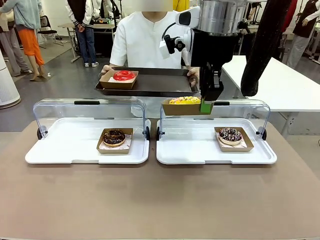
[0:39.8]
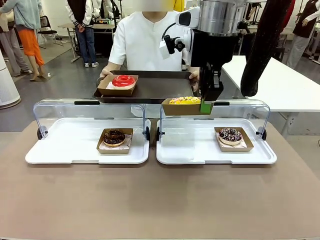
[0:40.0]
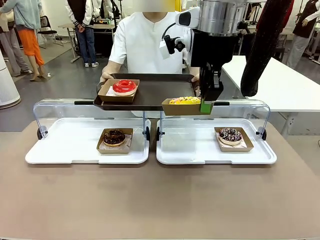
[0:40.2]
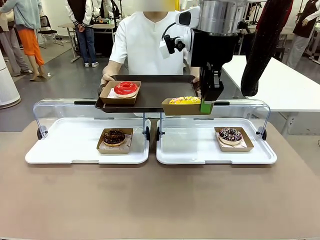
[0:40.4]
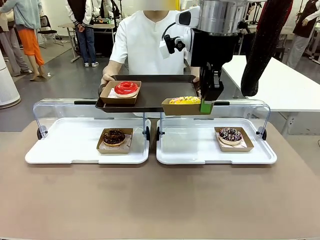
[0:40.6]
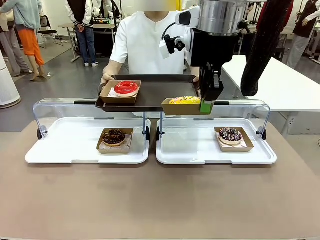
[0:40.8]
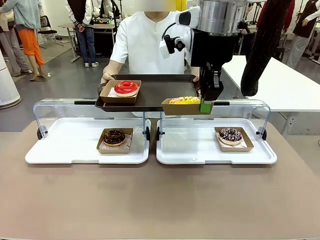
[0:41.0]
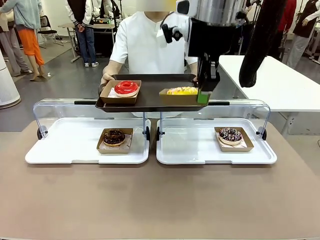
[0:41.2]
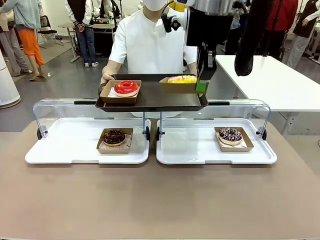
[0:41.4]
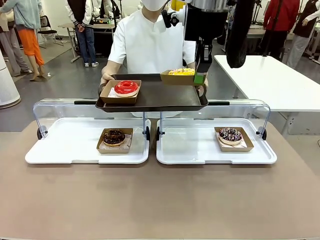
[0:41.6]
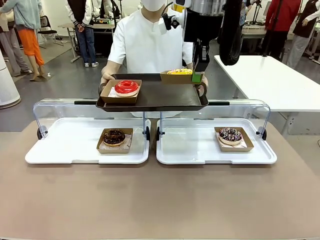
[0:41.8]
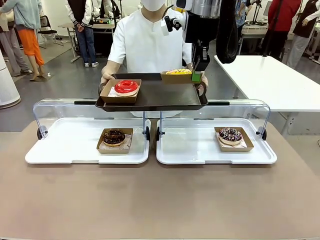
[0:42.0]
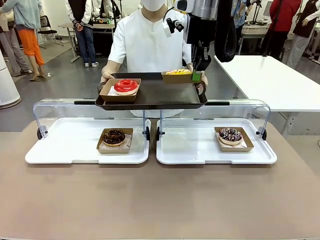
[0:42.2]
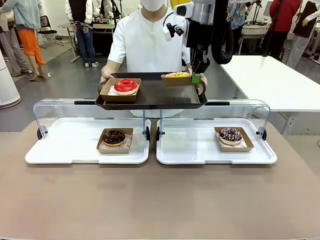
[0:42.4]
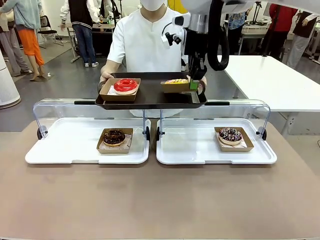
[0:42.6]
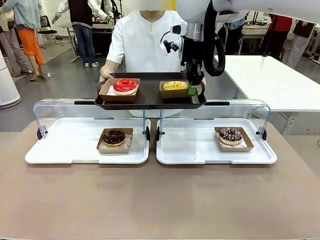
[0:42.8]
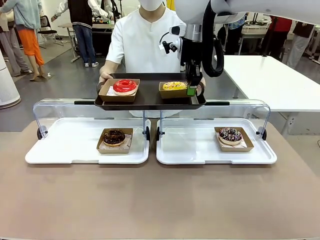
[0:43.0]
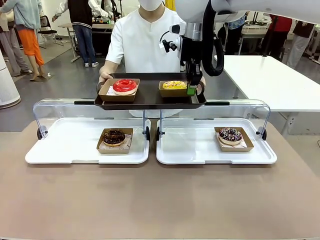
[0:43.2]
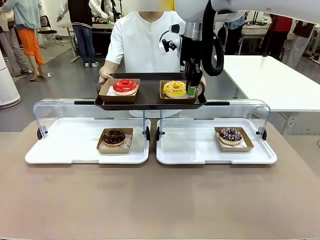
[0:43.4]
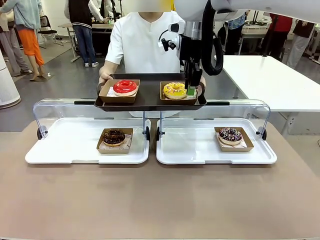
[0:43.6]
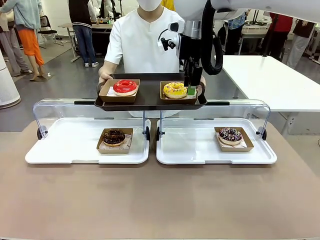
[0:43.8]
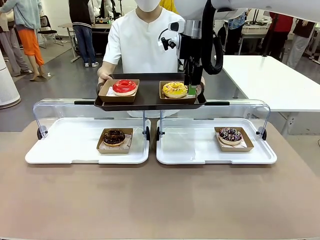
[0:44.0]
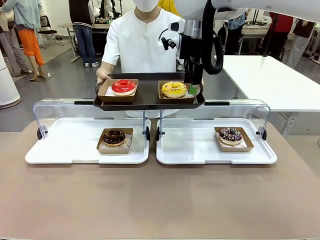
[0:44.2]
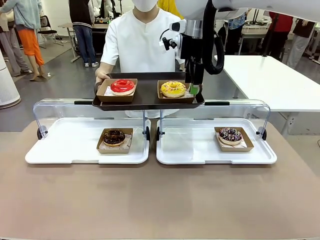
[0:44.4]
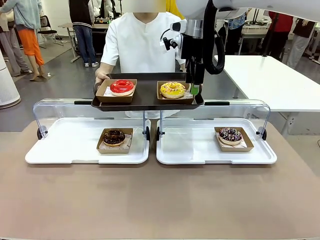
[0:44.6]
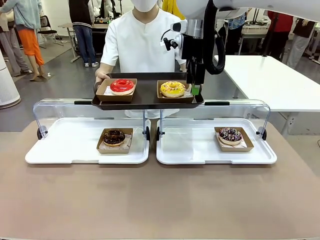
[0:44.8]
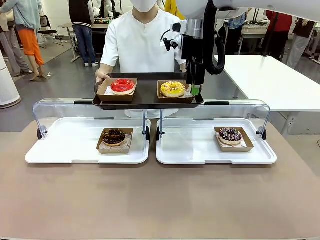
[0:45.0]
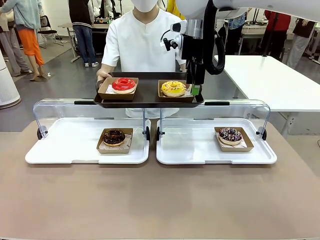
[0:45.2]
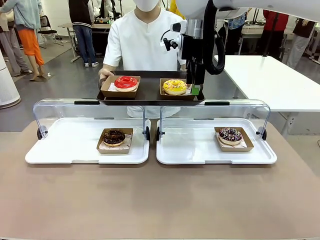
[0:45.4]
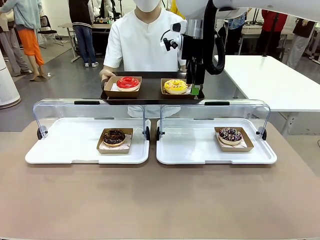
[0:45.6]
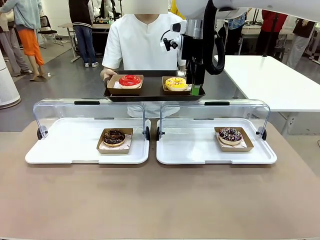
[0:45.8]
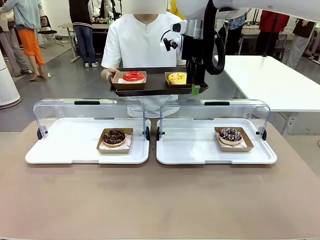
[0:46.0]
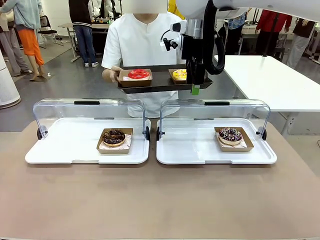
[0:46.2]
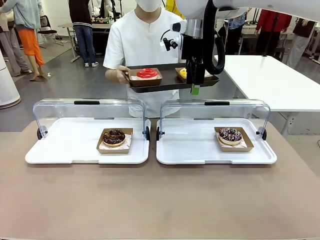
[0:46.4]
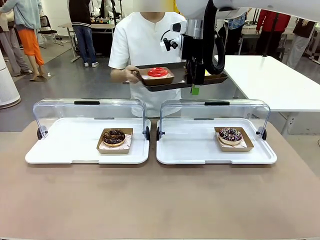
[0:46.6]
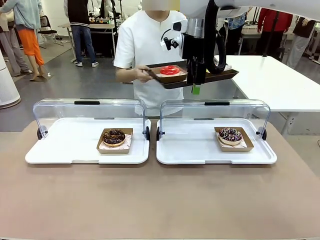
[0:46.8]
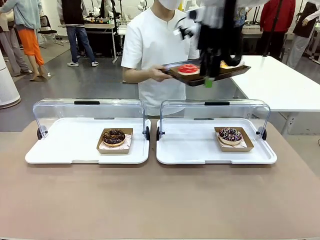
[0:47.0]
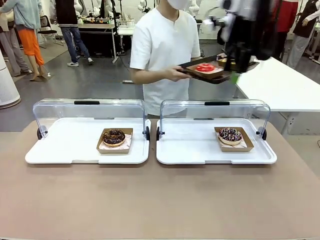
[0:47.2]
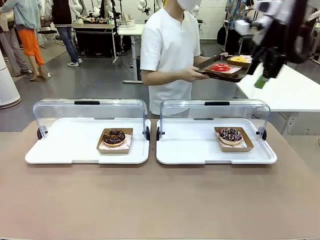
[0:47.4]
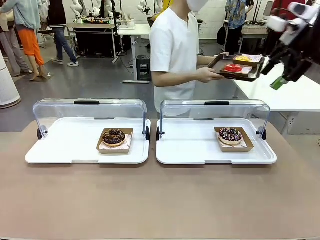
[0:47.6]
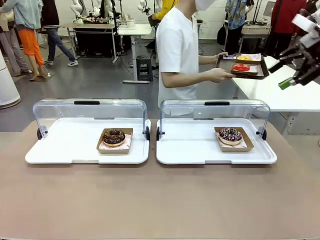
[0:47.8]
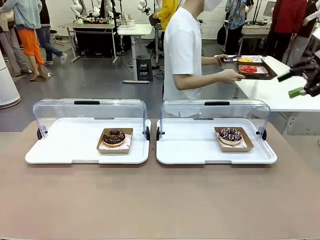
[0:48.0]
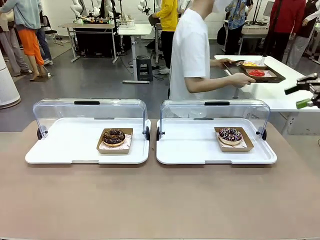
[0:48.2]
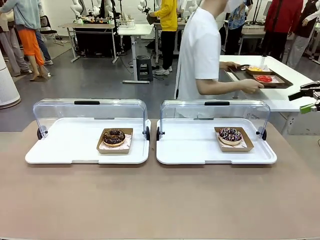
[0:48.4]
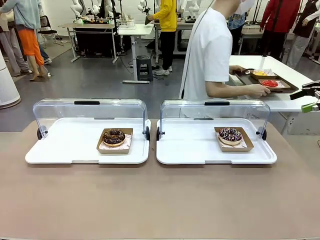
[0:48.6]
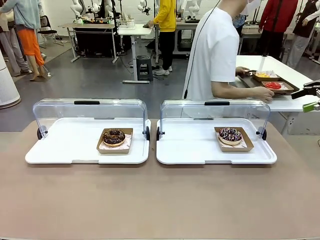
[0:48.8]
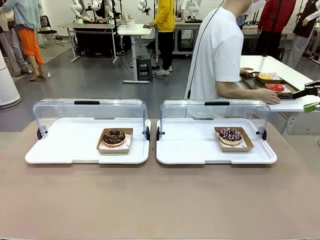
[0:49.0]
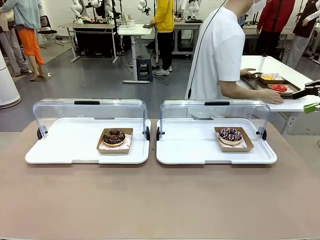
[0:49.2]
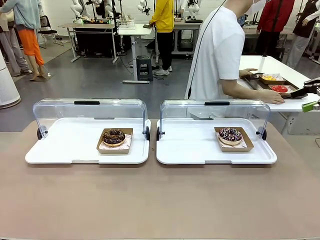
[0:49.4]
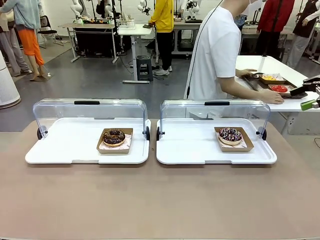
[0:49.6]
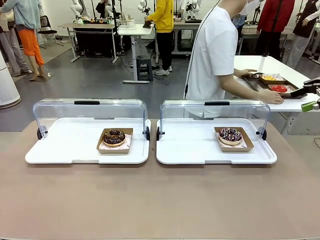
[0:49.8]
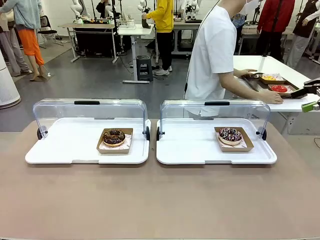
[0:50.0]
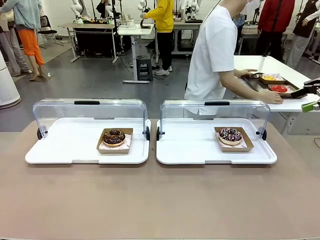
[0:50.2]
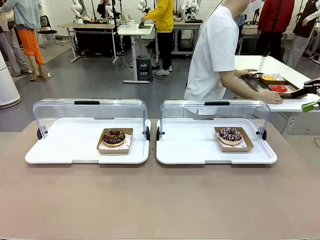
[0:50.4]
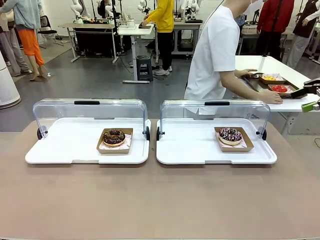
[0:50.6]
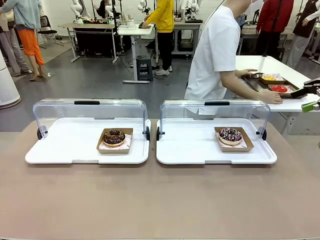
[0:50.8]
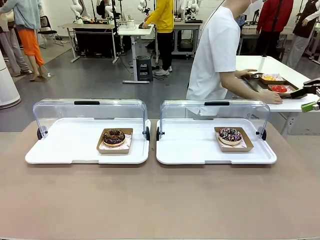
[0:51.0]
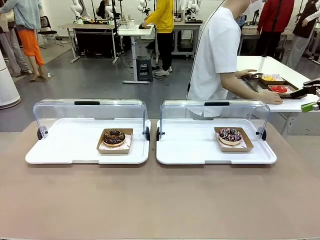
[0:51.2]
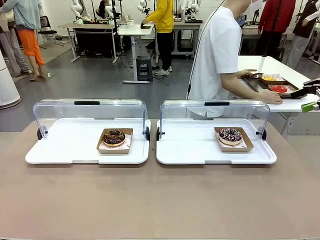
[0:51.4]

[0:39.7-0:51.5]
Task: Provide the desired donut to the person.
Robot: Place the picked Paper togo box onto the Handle tray extended by the person.
Person: Place the tray in the middle of the human table.

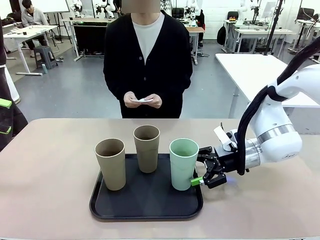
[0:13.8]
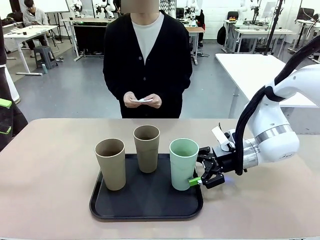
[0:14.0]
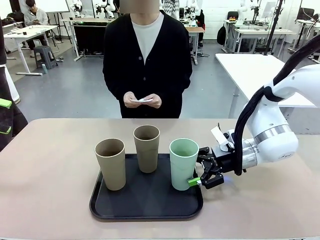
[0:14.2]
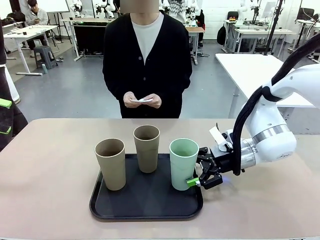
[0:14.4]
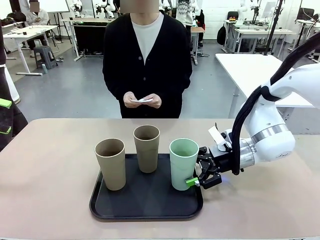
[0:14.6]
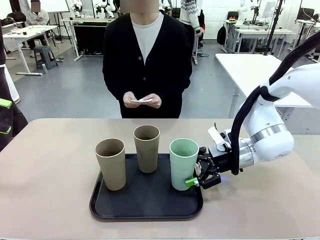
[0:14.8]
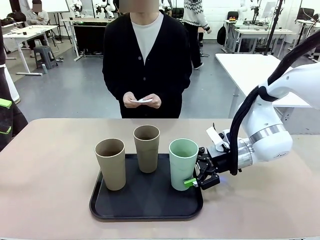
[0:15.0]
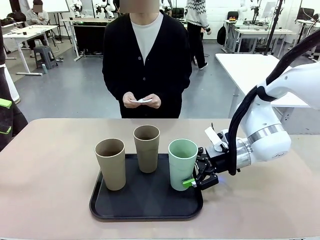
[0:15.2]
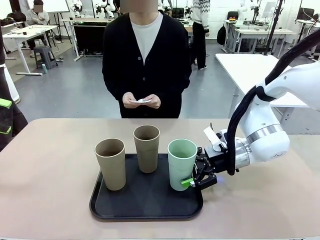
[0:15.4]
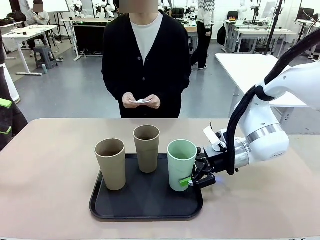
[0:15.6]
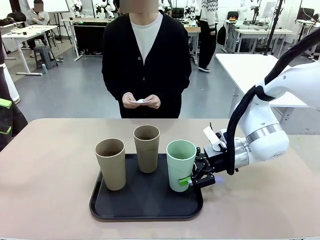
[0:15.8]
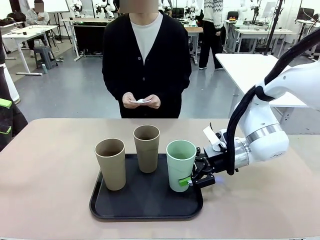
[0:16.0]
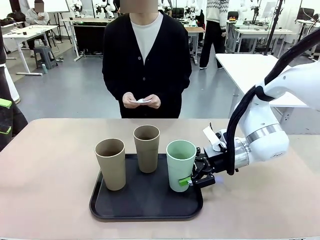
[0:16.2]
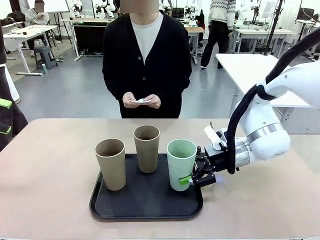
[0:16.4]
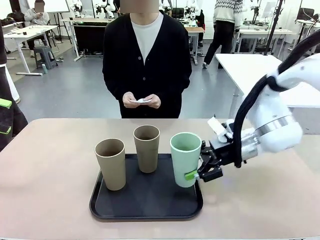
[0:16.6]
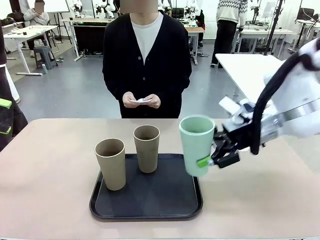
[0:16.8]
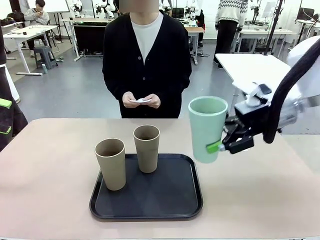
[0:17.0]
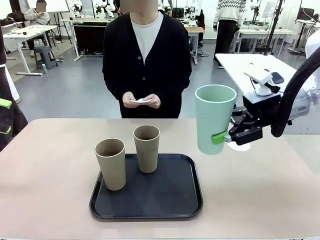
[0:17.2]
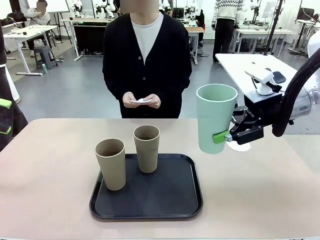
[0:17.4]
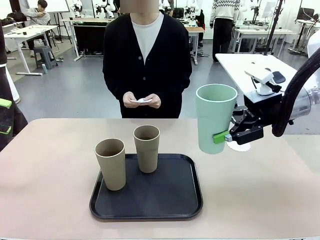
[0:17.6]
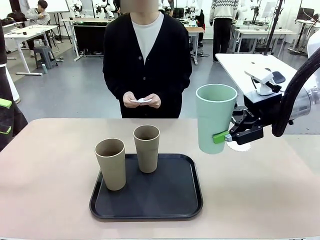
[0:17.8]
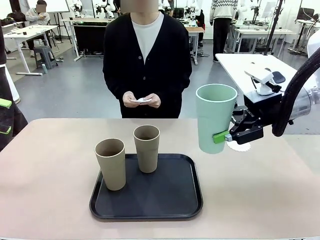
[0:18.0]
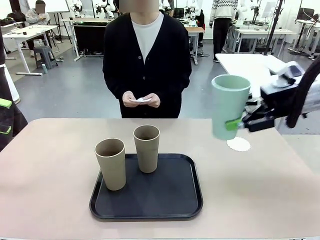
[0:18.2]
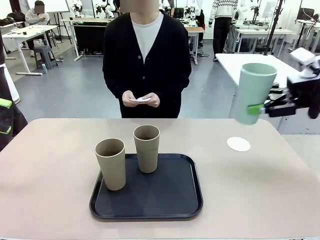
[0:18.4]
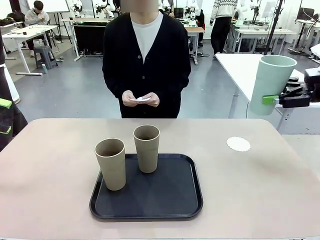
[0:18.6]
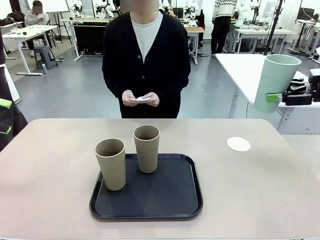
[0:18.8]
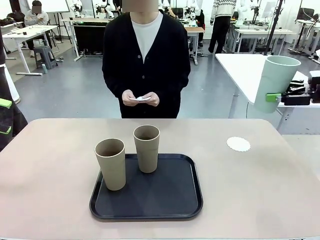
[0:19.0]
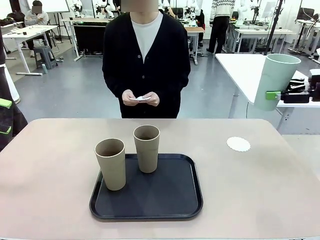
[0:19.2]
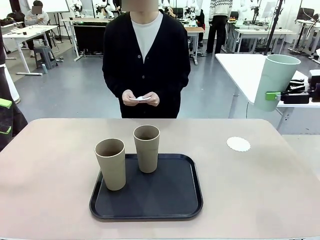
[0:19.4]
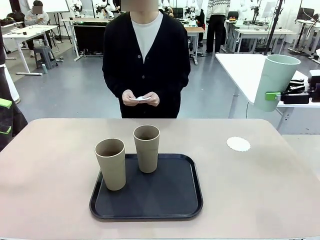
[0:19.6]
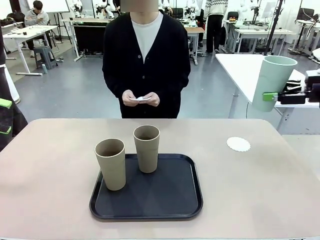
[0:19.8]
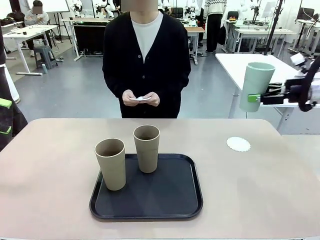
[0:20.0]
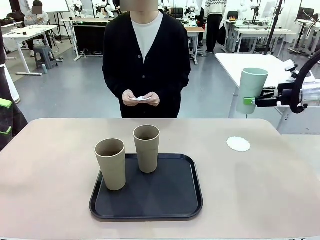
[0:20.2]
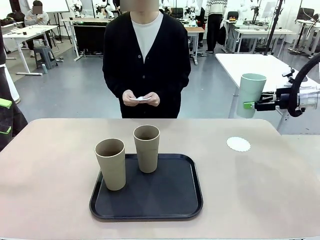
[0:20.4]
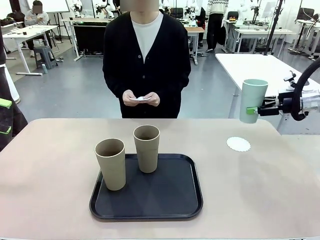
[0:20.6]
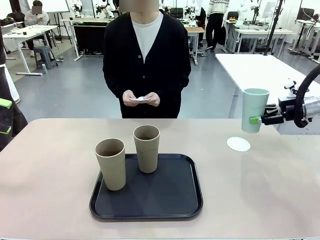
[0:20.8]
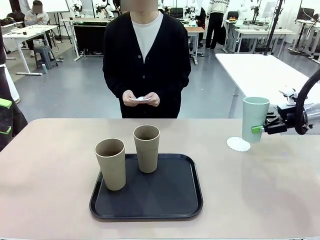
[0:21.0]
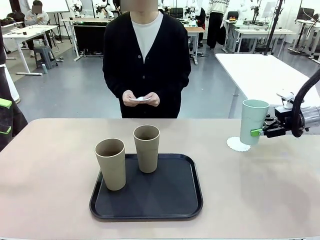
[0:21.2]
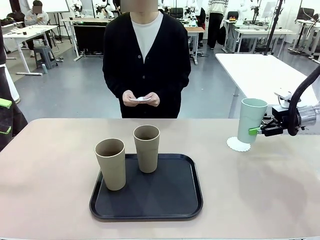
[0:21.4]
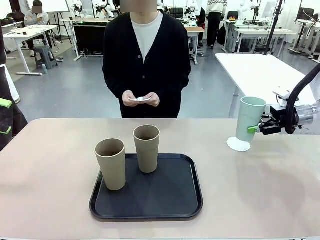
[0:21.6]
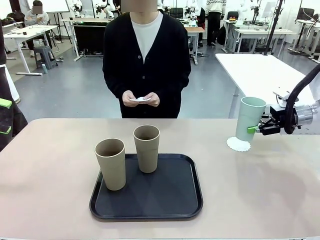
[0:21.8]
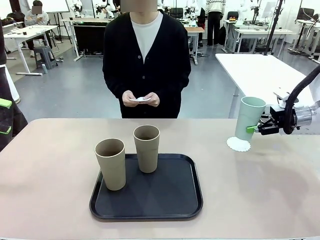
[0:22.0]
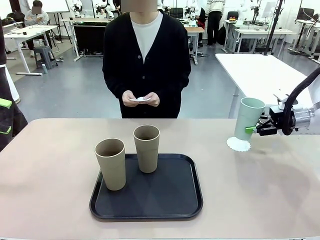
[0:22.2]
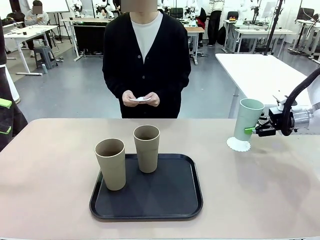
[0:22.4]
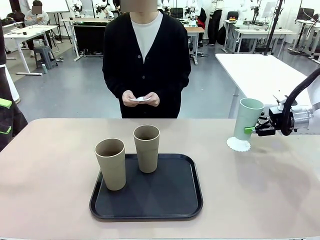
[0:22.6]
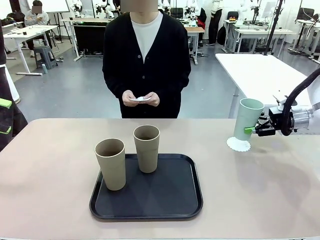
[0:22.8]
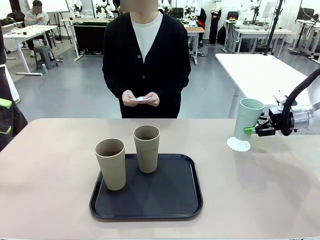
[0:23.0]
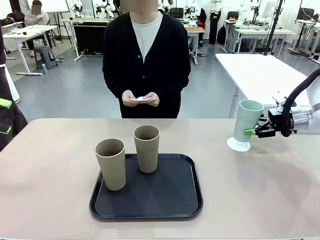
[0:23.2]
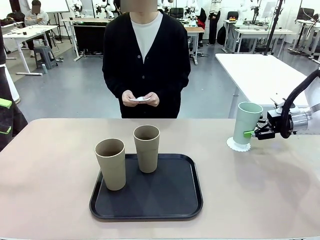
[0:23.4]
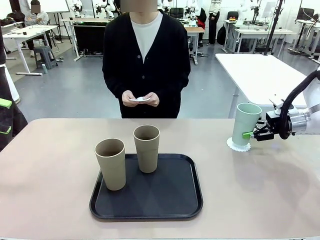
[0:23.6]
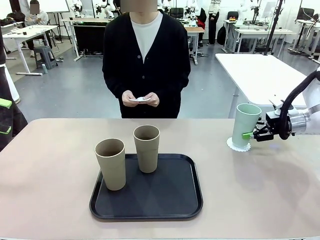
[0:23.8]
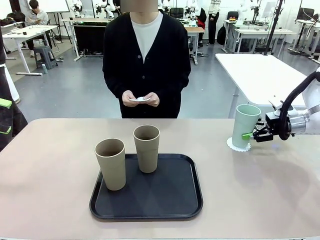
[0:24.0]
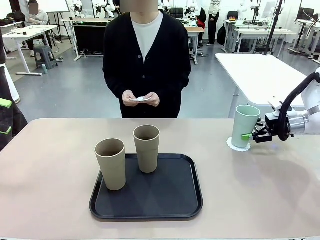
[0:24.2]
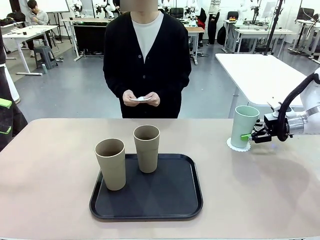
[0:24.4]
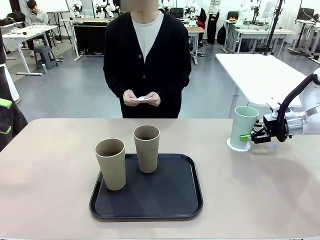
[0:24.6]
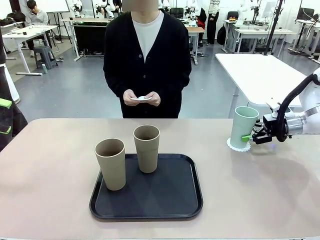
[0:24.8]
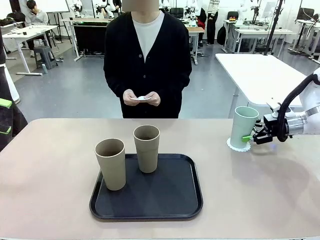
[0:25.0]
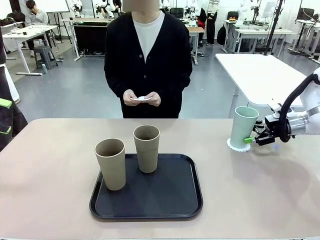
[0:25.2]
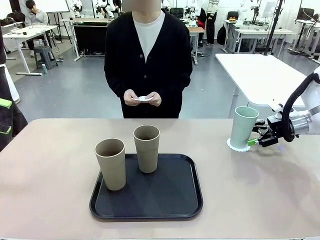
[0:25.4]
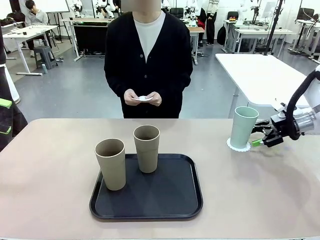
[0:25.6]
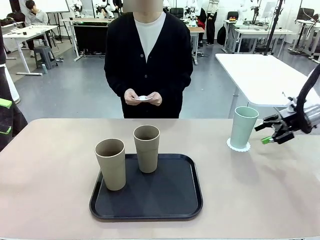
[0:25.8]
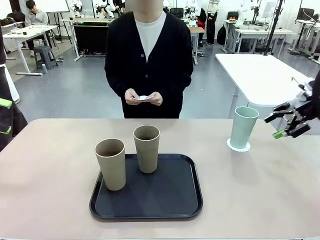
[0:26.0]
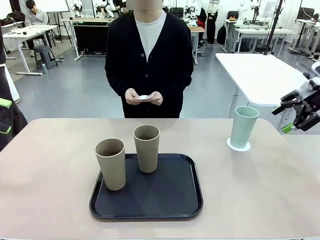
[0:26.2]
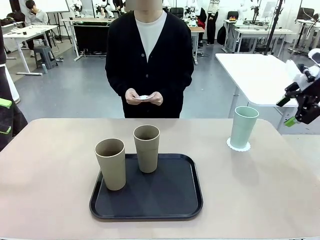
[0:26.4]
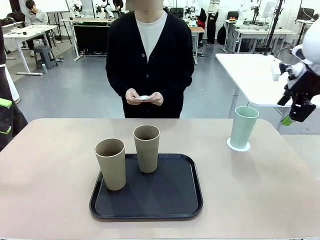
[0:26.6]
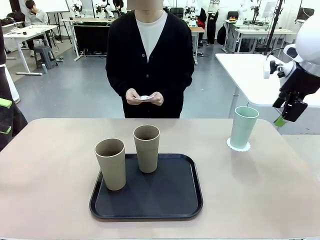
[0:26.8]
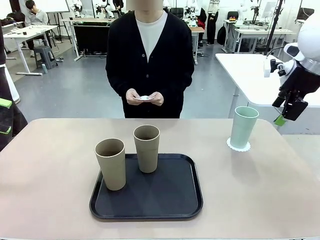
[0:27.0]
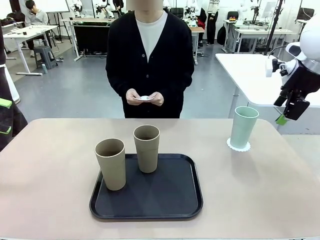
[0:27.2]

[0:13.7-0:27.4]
Task: Place coasters on the table and set cups on them.
Robot: Pick up one Reusable plastic cup and place it on a coaster set by the human.
Person: Place one coaster in one of the two areas excluding the previously selected area.
